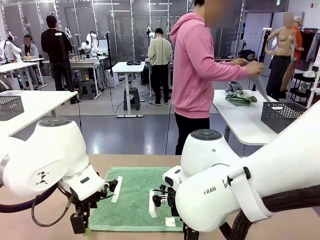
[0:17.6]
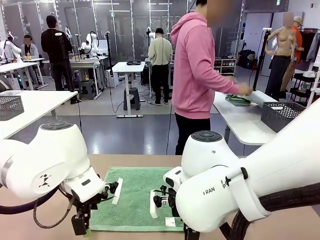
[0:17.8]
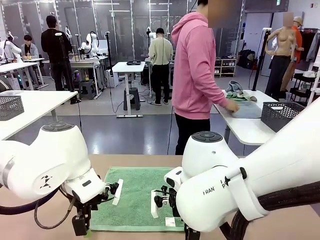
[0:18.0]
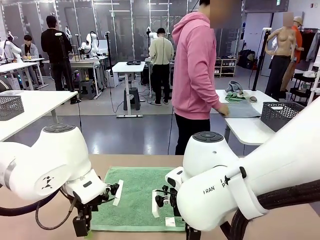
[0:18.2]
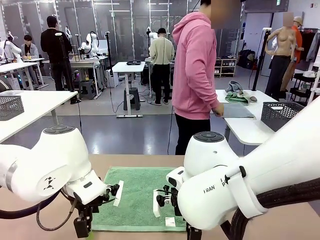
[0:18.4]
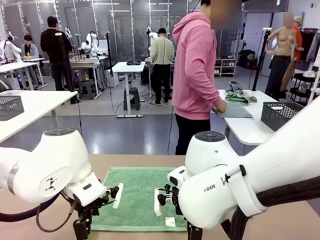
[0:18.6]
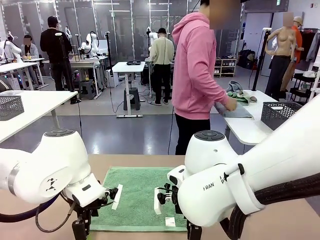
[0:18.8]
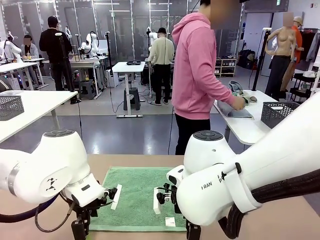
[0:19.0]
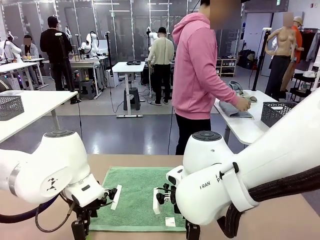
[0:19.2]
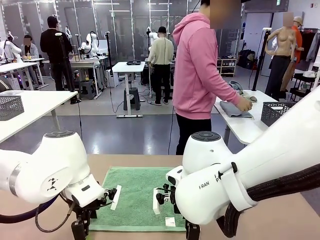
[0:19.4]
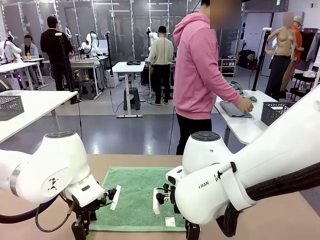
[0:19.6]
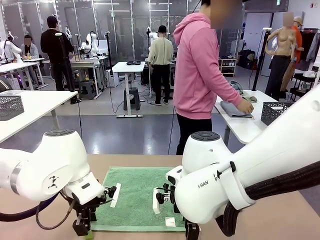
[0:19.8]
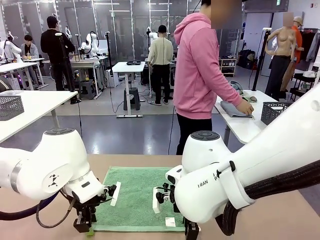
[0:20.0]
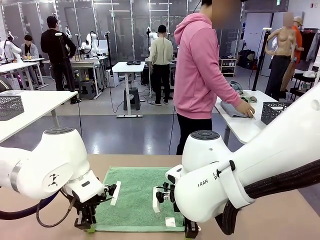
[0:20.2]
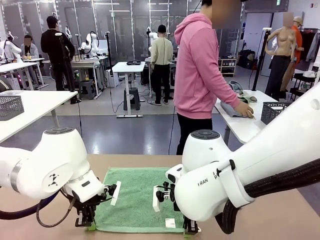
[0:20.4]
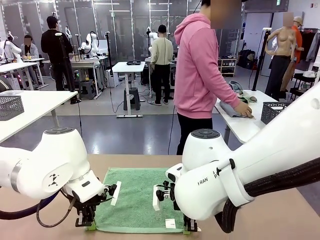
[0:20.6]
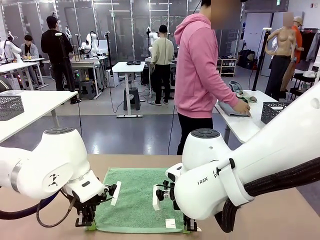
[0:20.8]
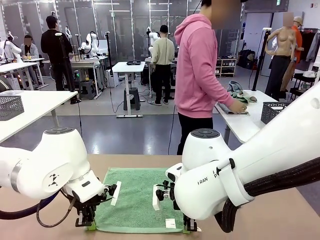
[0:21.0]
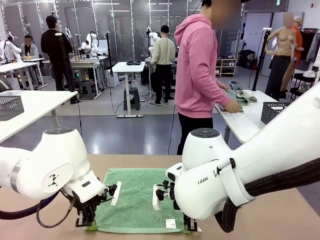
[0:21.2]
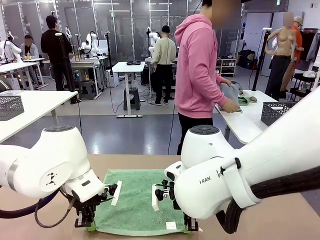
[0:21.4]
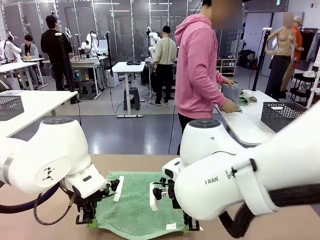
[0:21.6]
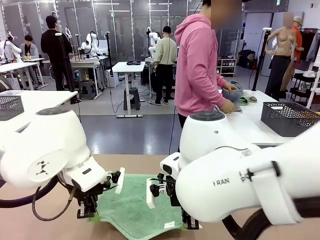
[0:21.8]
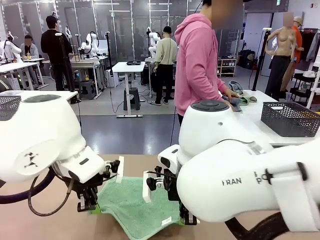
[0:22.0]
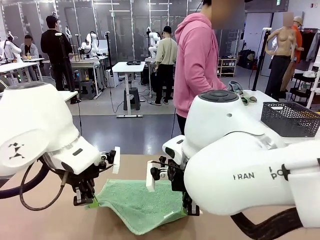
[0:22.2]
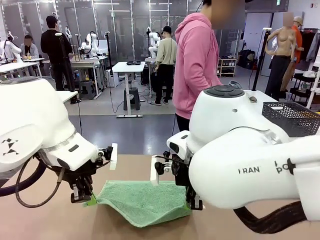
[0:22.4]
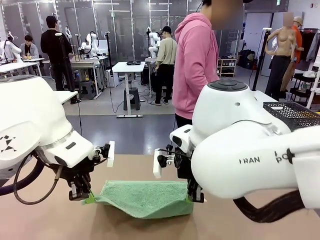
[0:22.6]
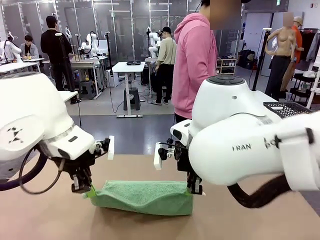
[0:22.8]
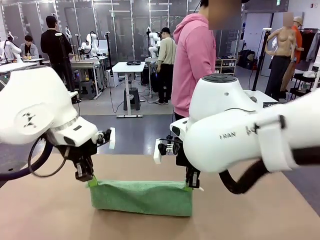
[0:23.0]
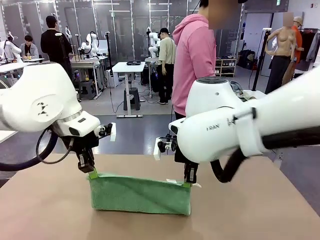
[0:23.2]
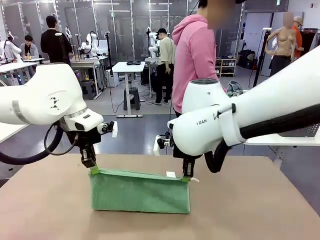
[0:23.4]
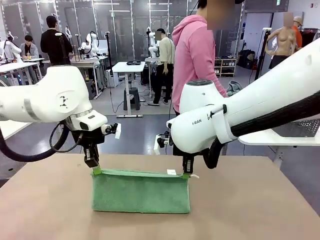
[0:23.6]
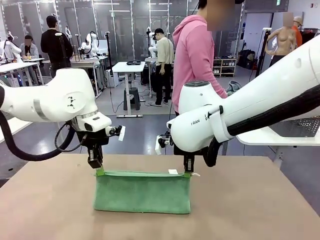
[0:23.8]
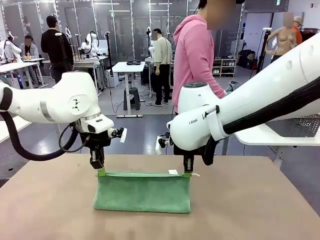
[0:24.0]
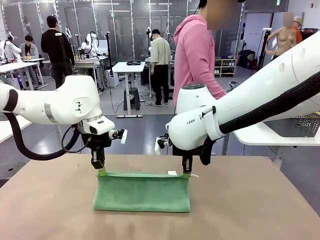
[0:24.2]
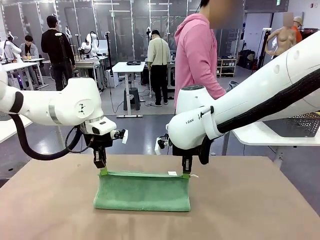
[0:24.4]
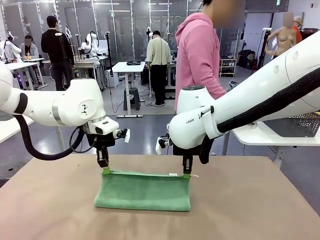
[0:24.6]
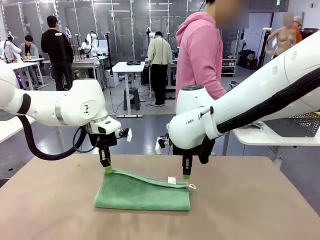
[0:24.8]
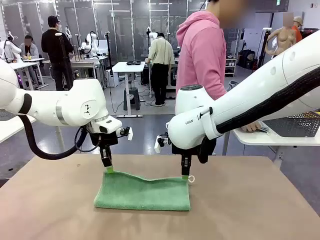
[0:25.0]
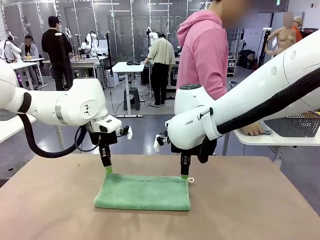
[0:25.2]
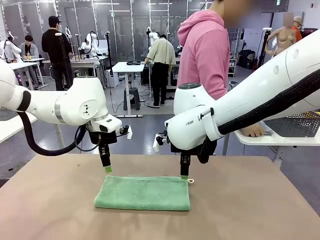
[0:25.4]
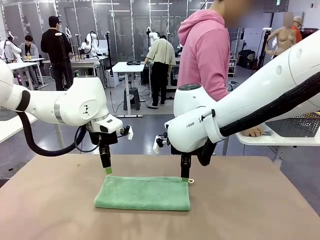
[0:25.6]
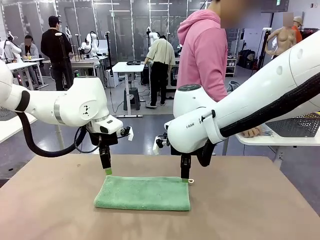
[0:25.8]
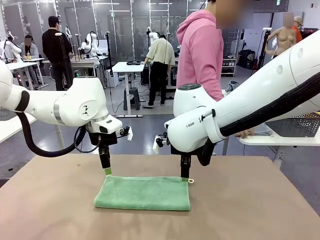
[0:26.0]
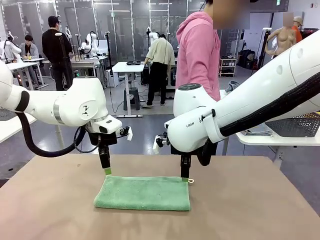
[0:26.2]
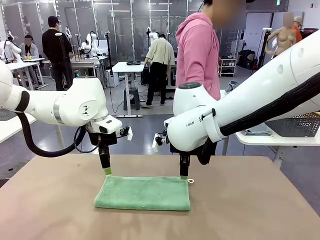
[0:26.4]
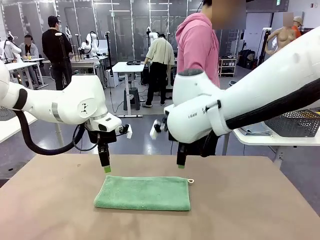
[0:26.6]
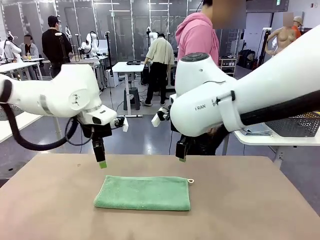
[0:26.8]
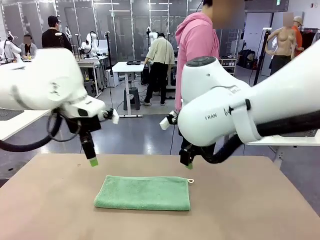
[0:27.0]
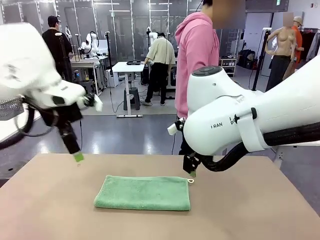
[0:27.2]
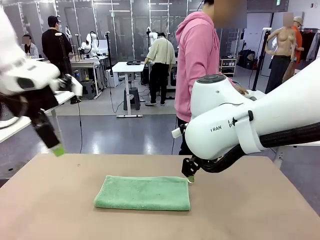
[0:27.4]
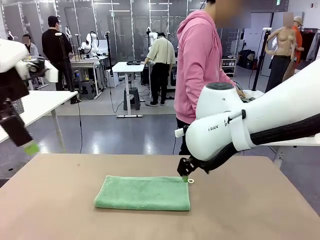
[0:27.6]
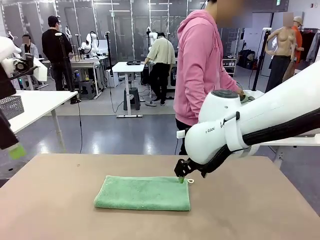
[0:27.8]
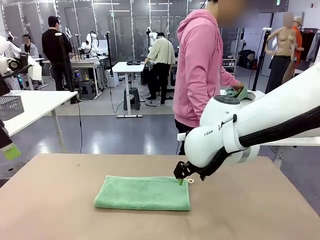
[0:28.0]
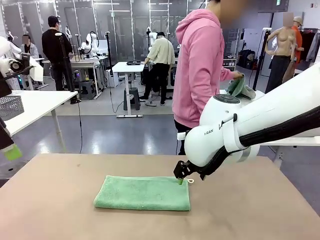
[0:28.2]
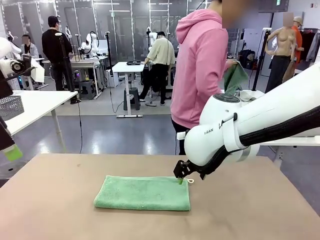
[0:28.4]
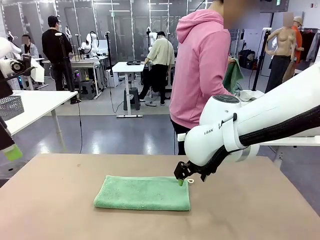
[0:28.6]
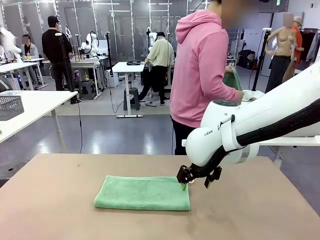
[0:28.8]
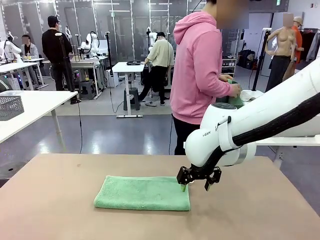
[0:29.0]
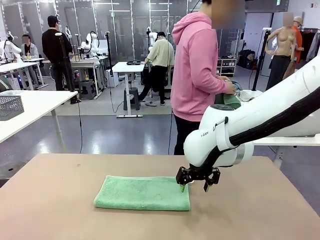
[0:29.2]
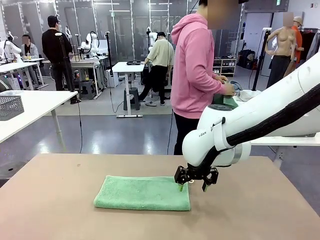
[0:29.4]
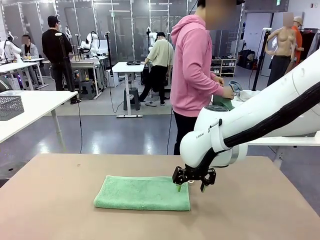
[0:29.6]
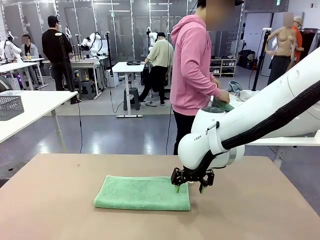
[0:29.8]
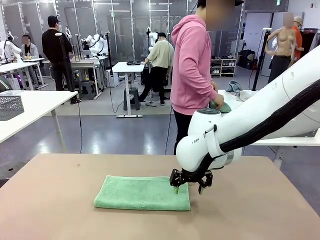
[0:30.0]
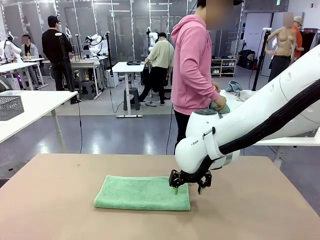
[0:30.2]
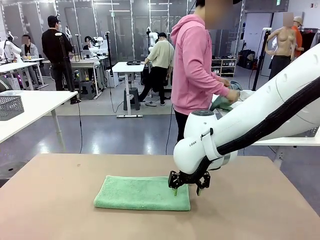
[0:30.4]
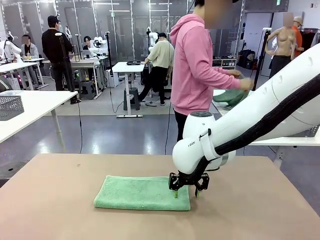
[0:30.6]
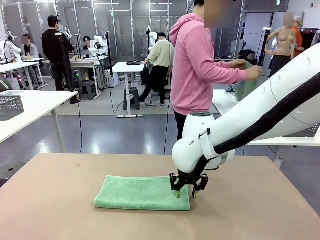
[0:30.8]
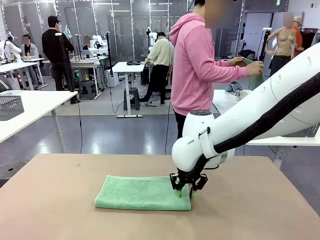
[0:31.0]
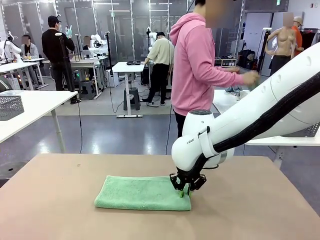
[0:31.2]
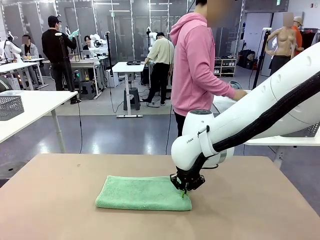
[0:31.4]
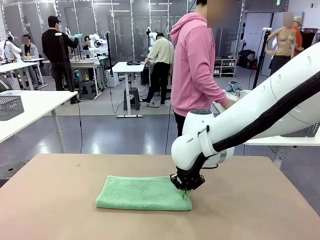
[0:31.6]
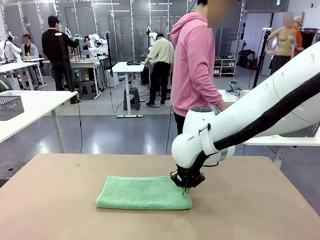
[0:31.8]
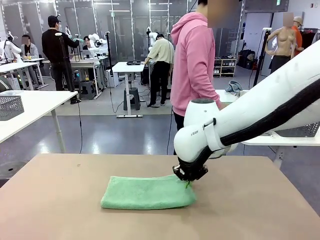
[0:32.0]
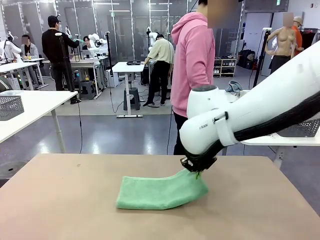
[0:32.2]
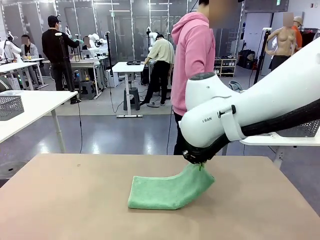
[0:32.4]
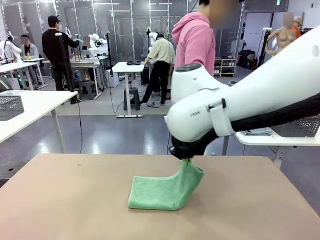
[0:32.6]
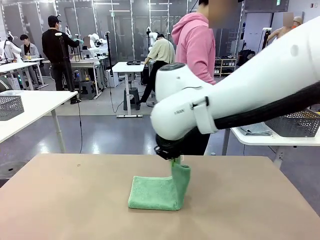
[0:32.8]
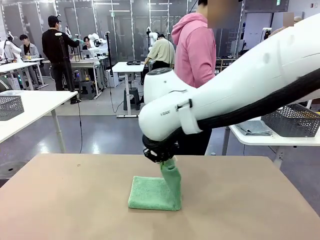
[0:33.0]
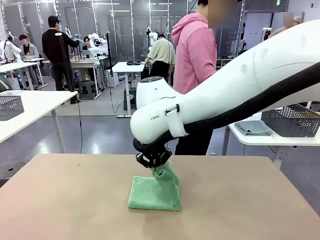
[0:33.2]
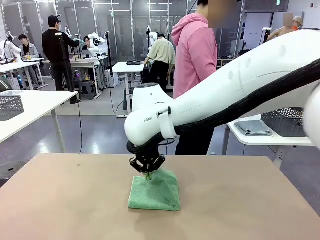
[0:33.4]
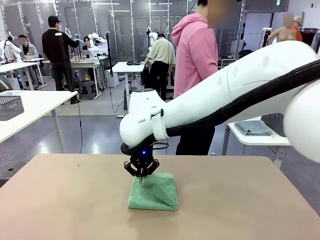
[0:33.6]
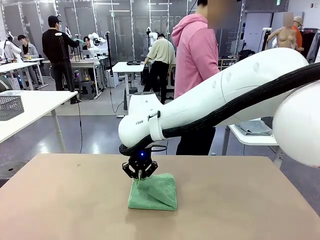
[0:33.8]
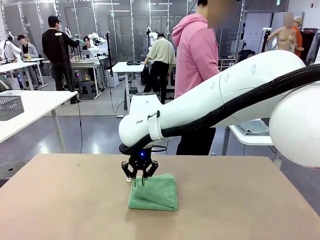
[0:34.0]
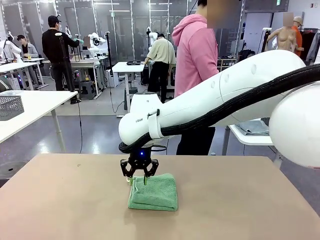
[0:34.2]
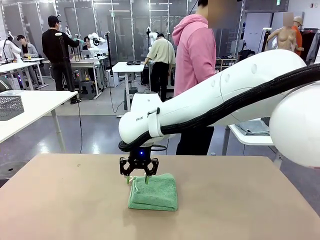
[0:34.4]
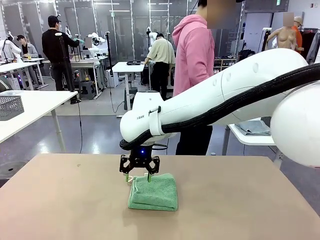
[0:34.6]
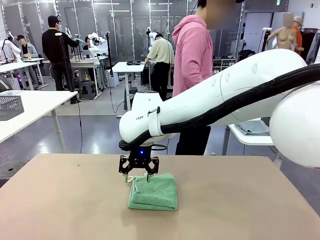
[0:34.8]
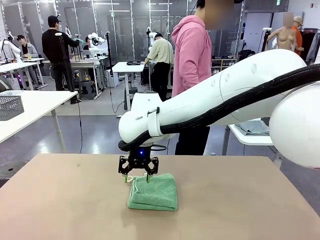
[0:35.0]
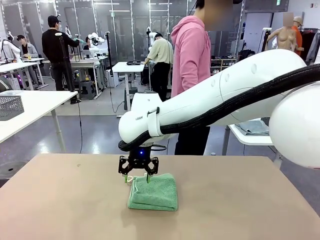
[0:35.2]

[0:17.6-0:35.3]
Task: Fold the towels and place them in the basket.
Robot: When a person lays out a Towel with hook on the table, fold it in half twice.
Person: Pick up one towel from the left side of the human table, fold it in half twice, and place it on the right side of the table. Pick up one towel from the left side of the human table, fold it in half twice, and stack it on the right side of the table.
